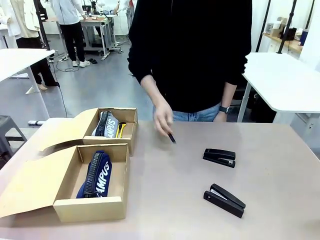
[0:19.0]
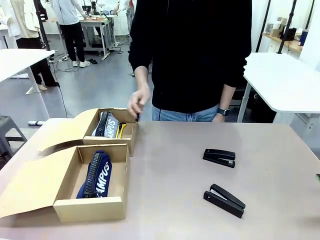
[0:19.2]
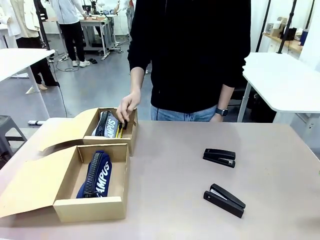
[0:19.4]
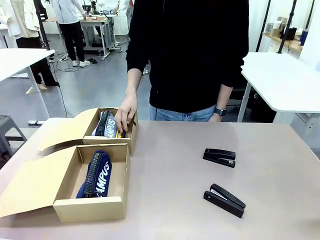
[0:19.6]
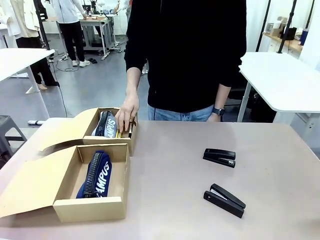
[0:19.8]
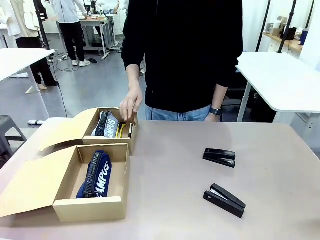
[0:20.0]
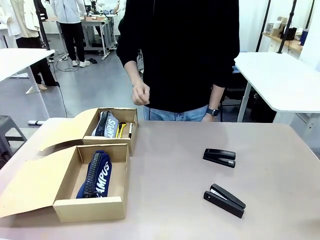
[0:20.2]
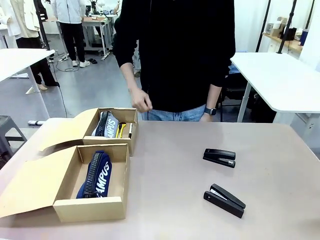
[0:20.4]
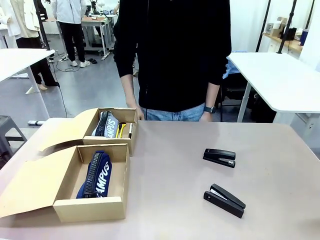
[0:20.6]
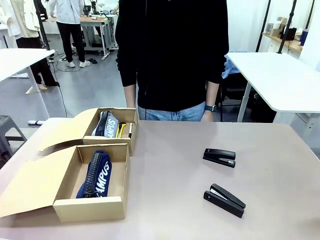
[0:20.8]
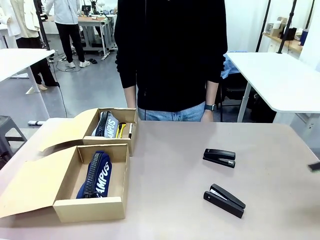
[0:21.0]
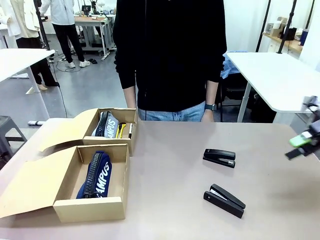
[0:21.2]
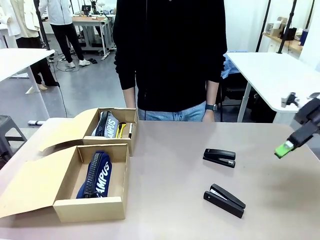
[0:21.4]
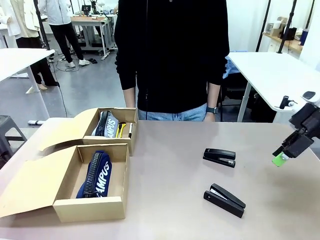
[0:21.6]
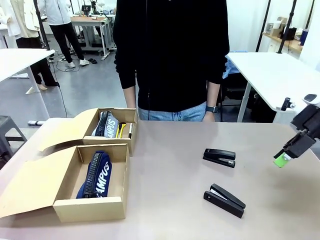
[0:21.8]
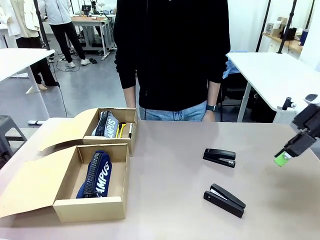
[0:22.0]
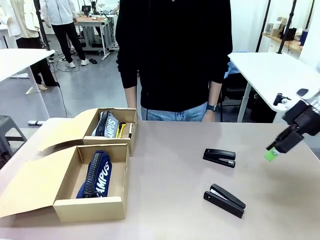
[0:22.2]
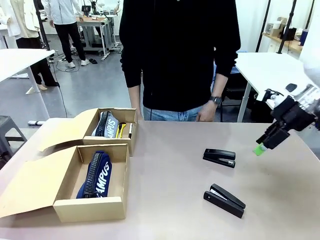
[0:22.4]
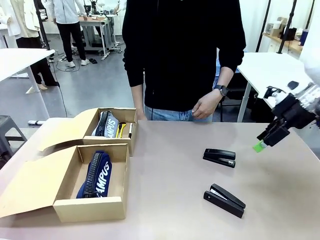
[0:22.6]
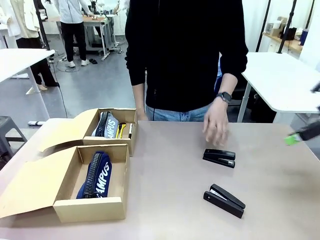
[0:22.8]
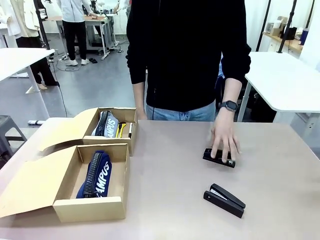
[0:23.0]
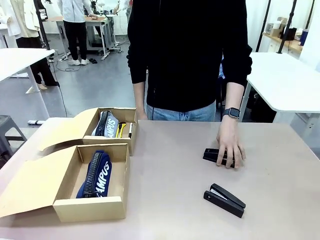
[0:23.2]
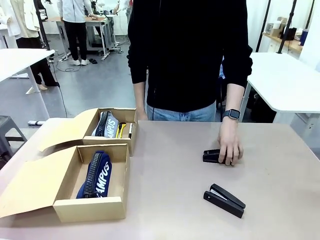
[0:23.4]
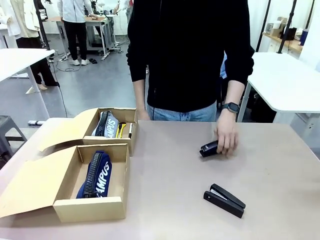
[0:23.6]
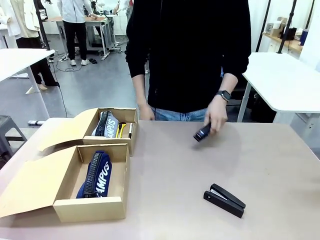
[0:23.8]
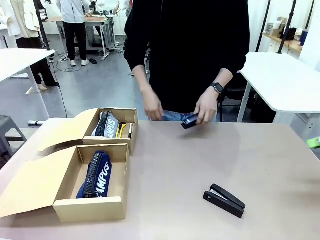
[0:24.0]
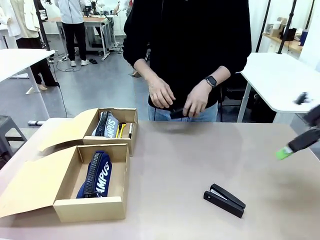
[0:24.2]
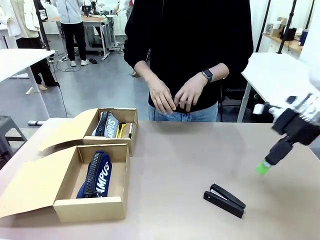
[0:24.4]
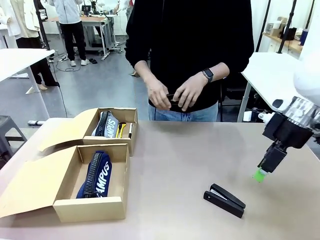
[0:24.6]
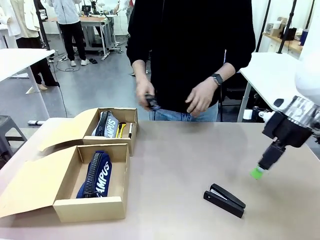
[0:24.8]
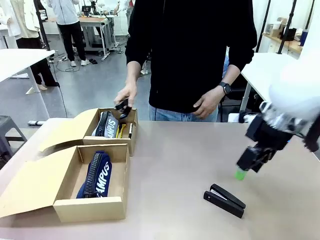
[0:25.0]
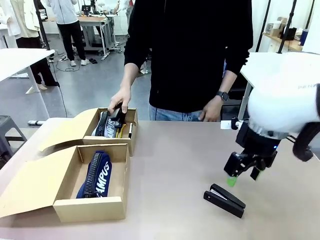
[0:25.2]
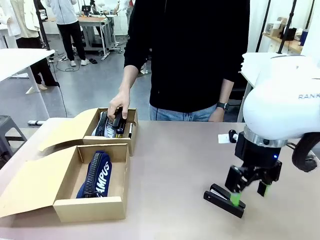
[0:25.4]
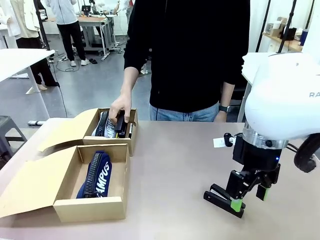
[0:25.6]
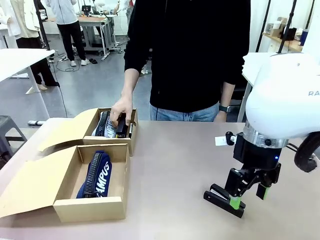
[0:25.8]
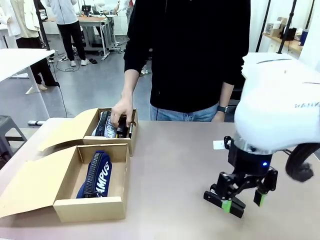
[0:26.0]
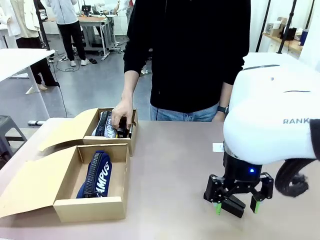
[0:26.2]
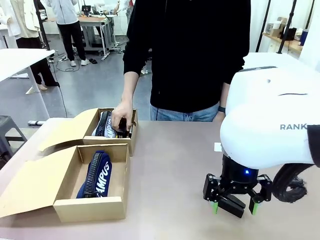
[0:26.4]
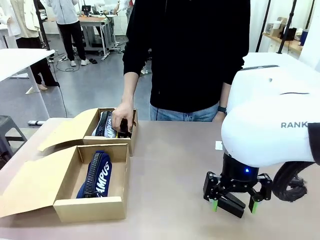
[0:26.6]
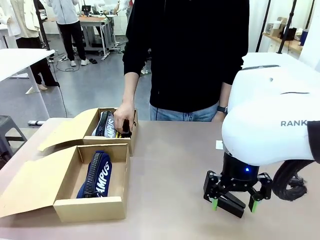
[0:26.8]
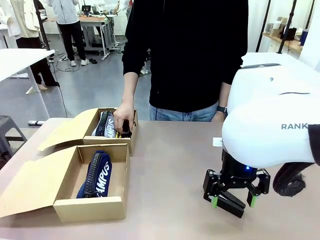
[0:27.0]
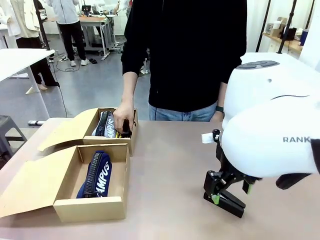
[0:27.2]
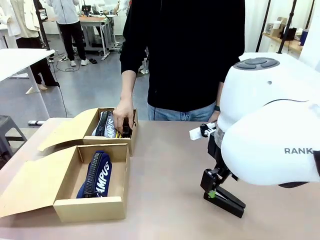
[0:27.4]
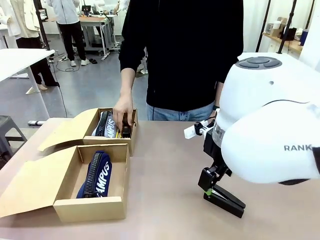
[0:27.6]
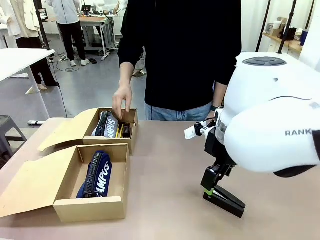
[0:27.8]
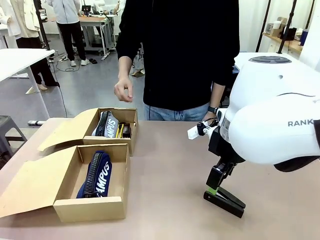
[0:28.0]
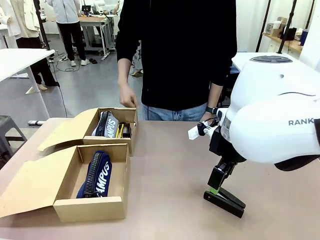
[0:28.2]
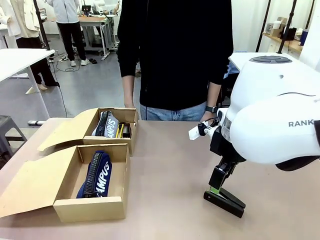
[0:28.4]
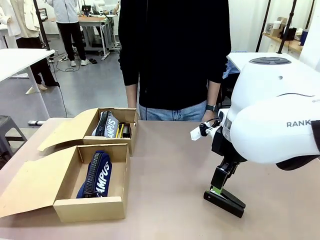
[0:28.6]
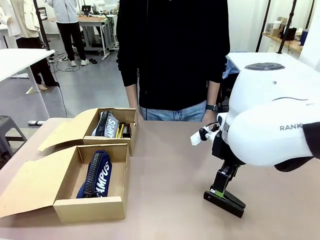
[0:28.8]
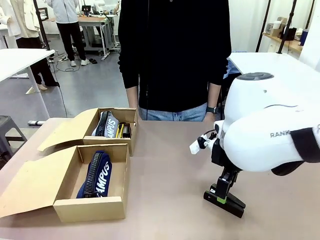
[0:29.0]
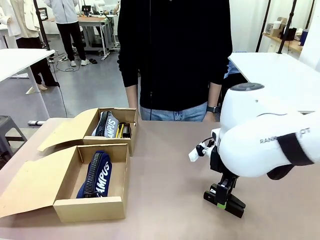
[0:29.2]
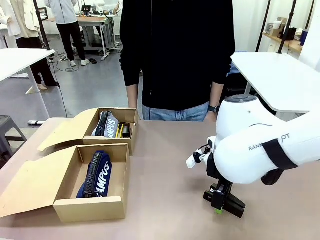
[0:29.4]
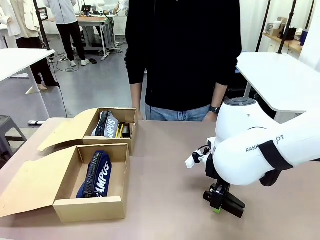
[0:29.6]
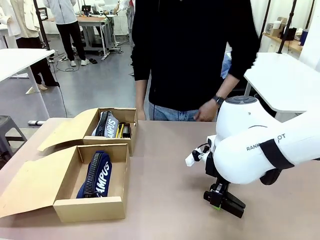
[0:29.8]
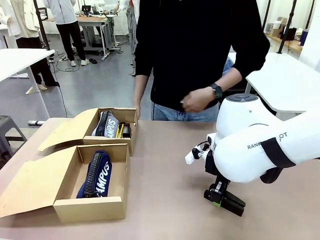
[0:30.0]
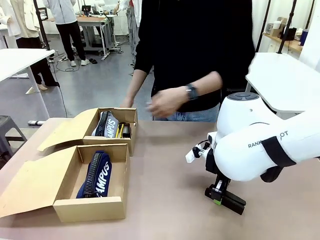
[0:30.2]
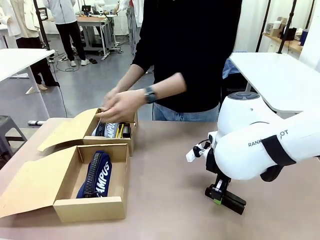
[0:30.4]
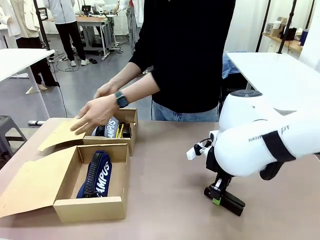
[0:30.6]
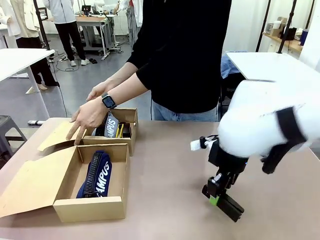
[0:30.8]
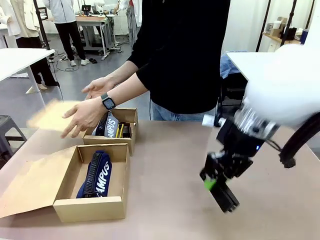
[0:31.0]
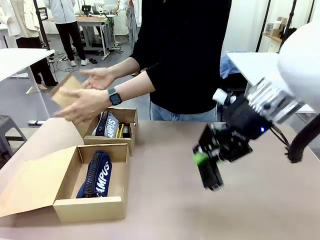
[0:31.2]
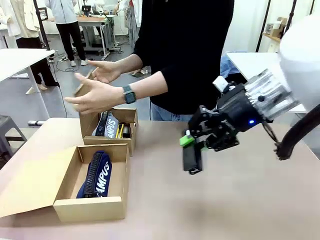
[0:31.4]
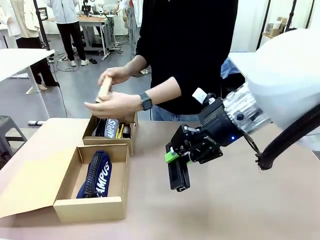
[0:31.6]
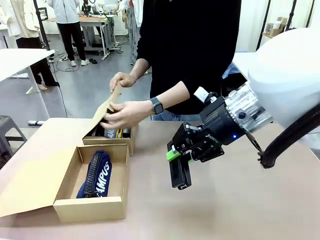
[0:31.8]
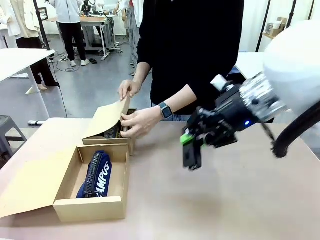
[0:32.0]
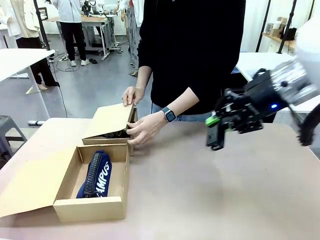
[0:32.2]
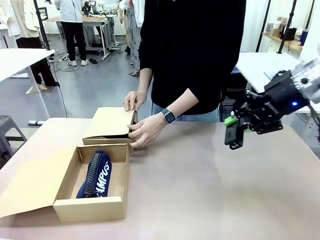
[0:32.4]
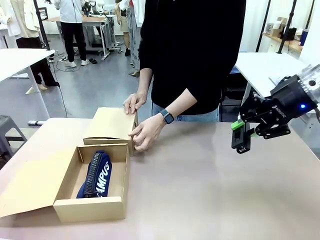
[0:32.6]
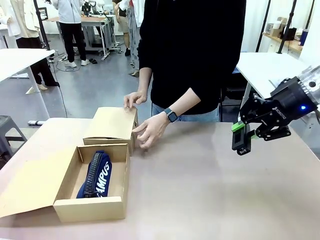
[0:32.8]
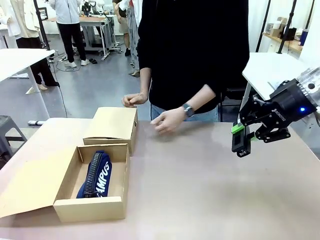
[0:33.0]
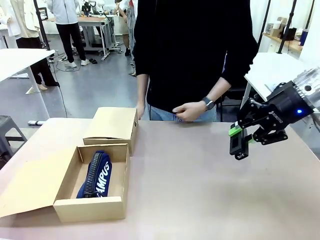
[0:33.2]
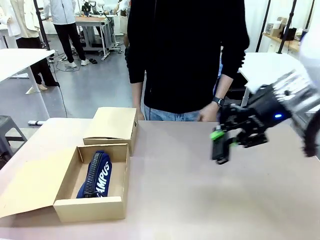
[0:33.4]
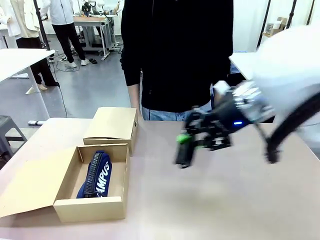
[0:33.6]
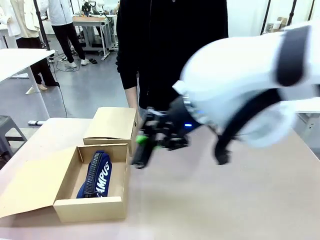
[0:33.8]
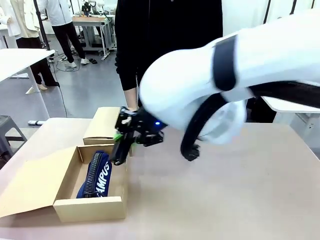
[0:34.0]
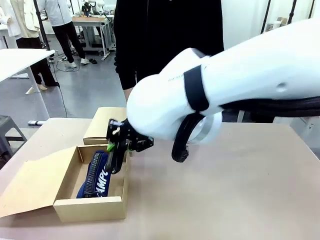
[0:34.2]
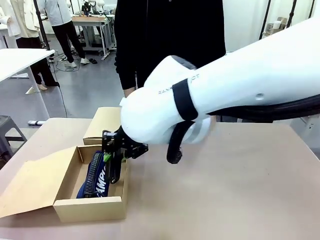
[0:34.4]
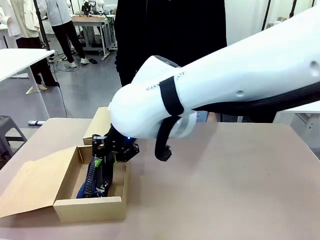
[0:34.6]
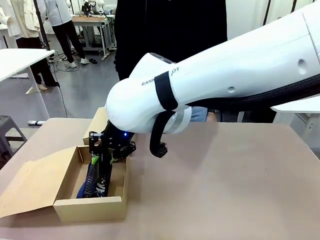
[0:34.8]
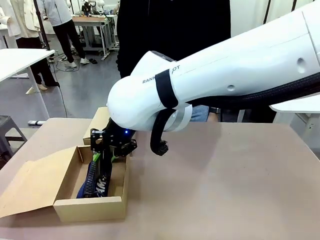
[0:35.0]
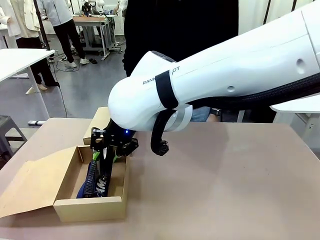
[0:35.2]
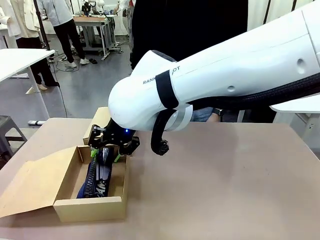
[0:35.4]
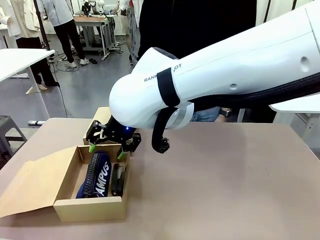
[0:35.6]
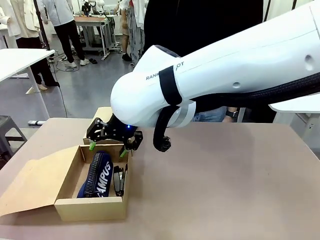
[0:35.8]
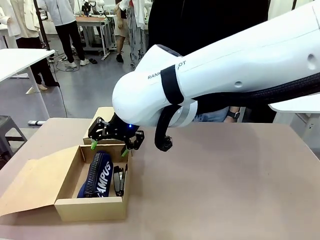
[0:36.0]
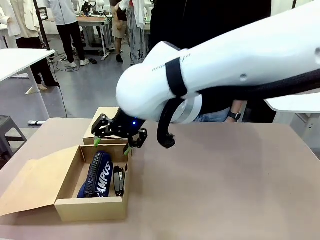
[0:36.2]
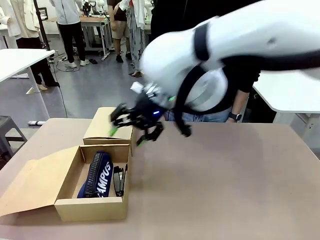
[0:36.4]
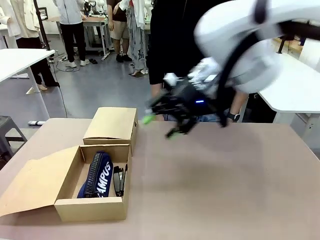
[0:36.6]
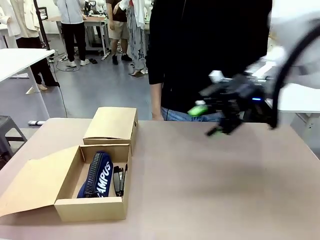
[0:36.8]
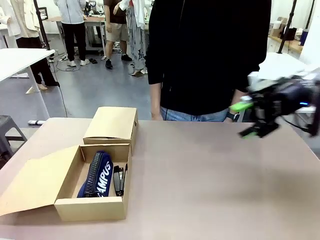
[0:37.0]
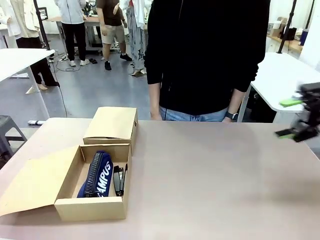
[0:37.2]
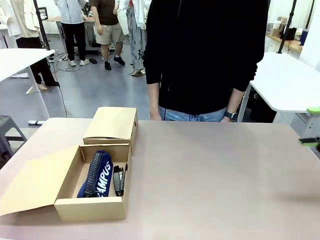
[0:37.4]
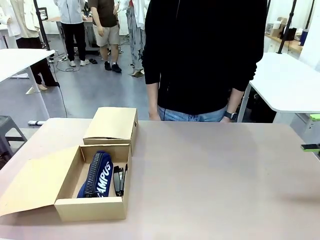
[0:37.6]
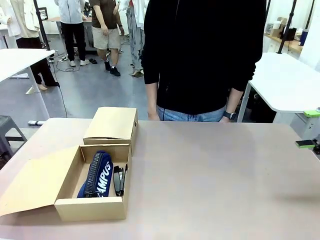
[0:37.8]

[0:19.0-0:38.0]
Task: Place items inside the box.
Robot: Pick up a Pencil pouch or Stapler and place it inside the Mailer Box closest to the robot.
